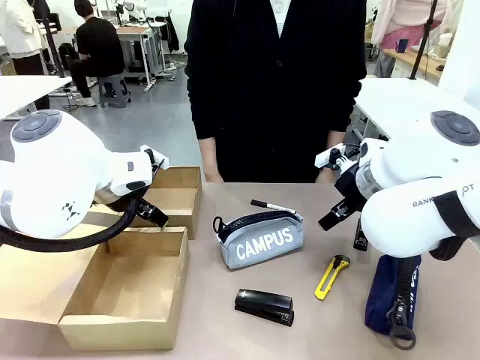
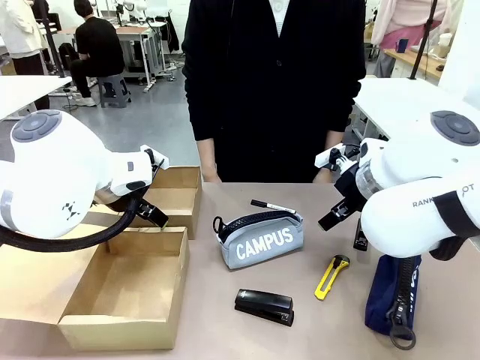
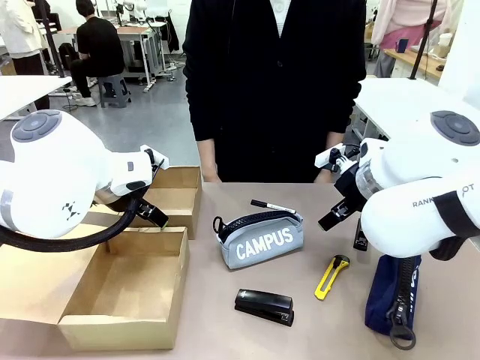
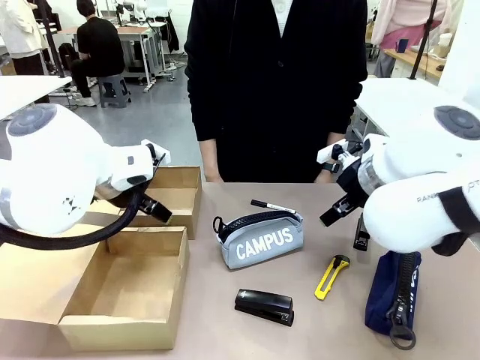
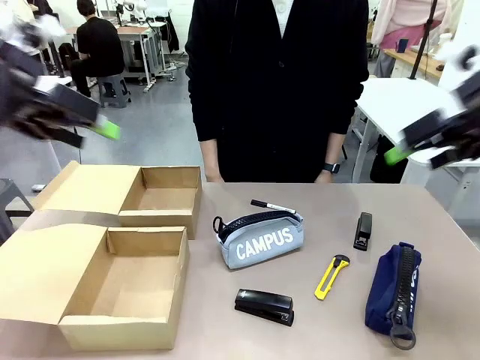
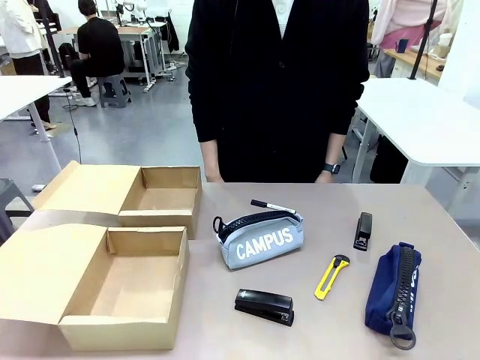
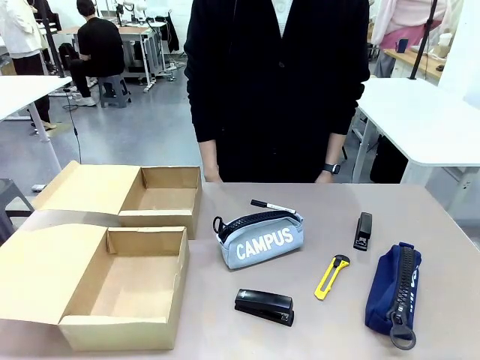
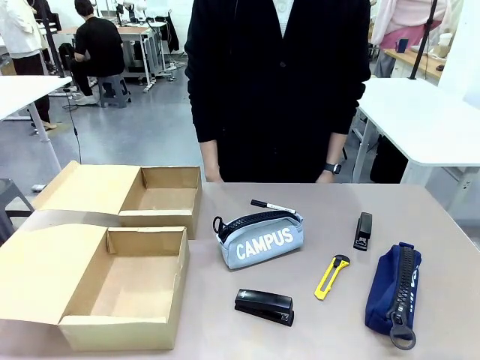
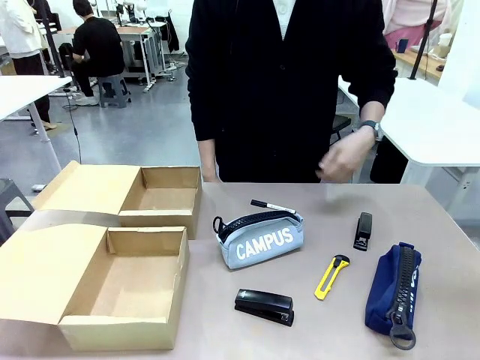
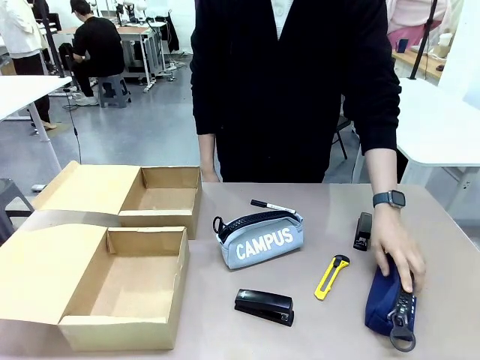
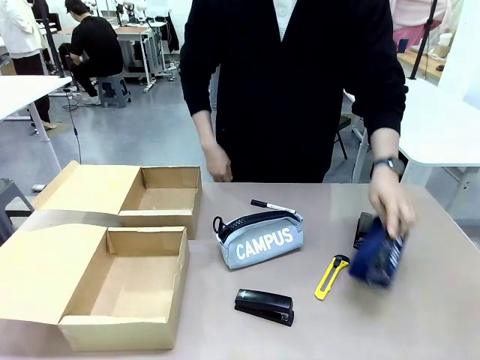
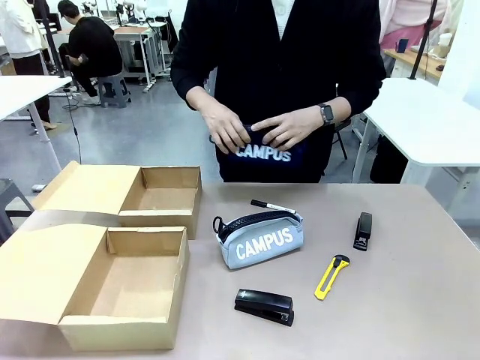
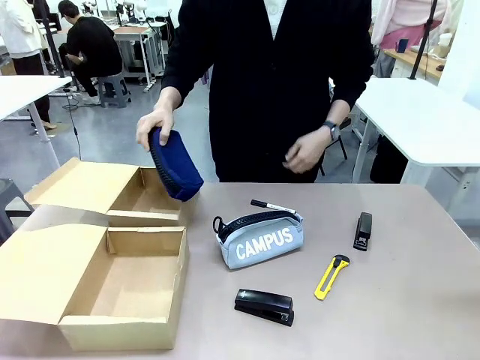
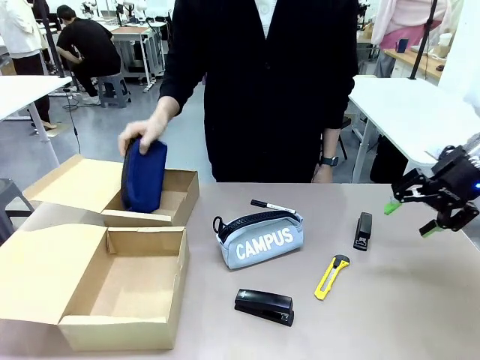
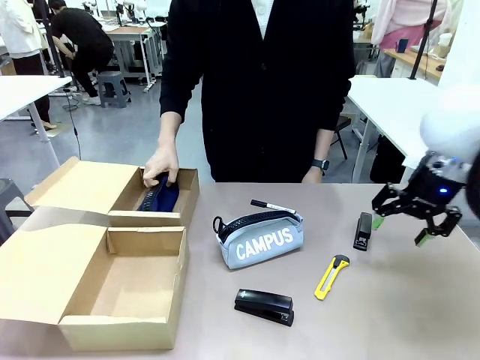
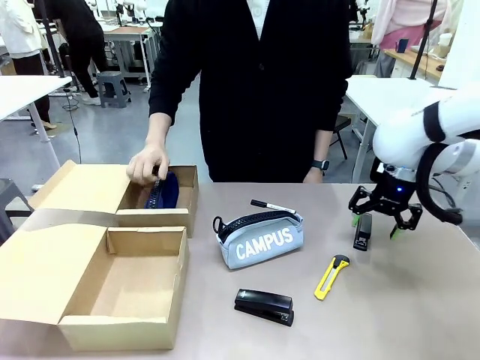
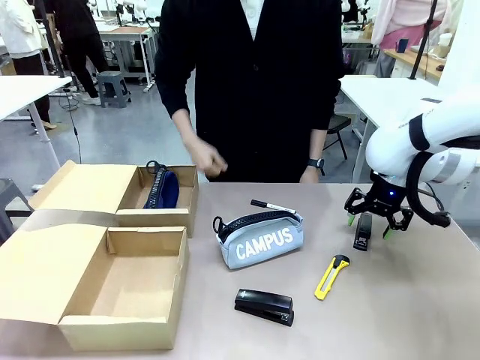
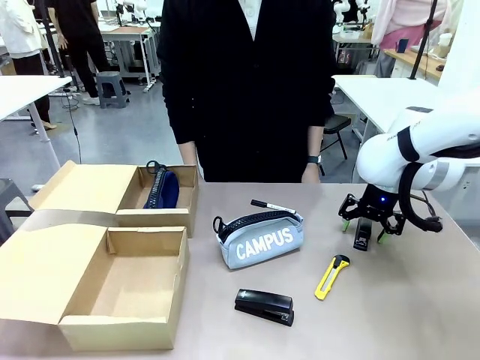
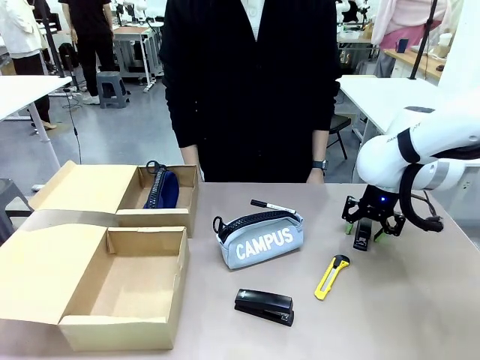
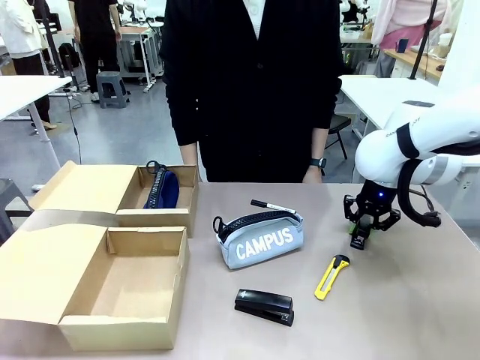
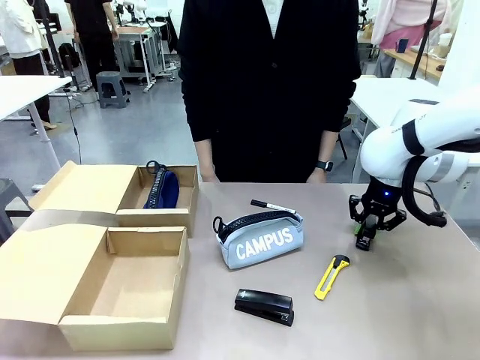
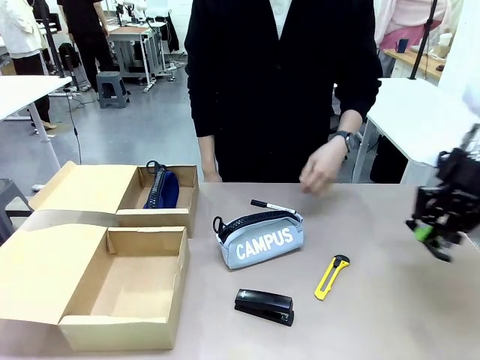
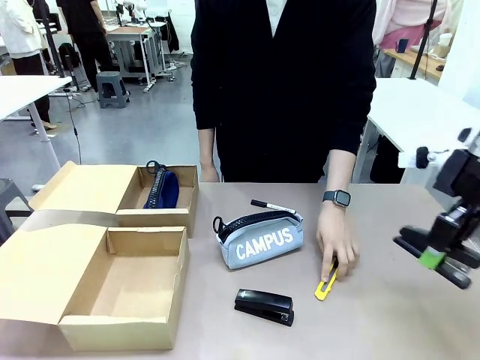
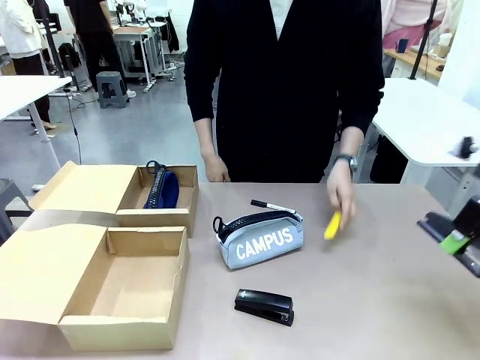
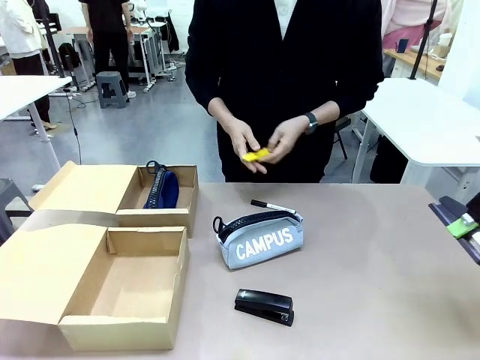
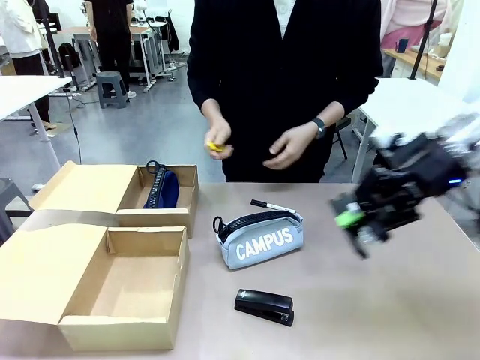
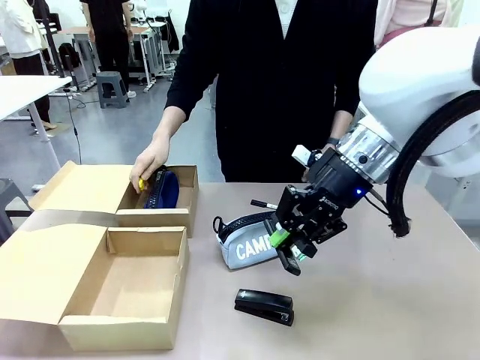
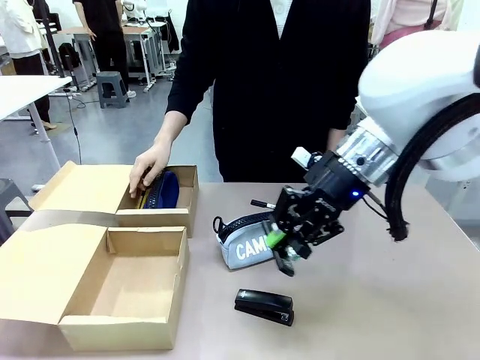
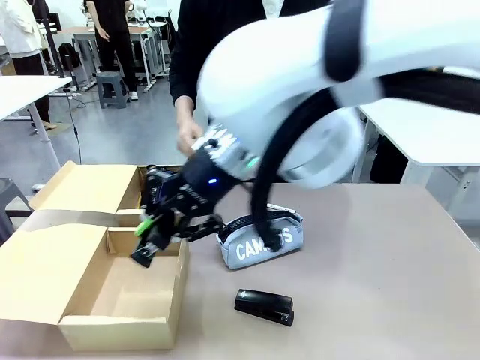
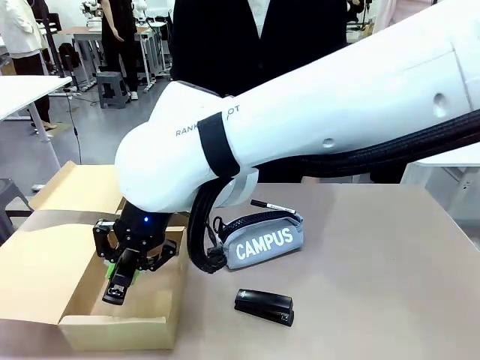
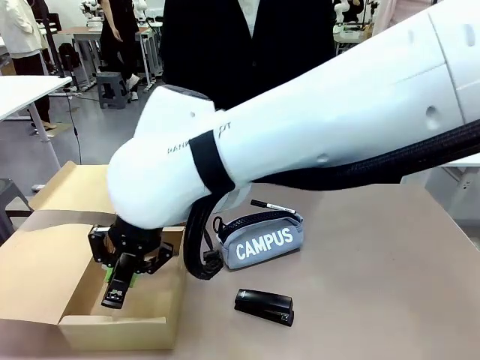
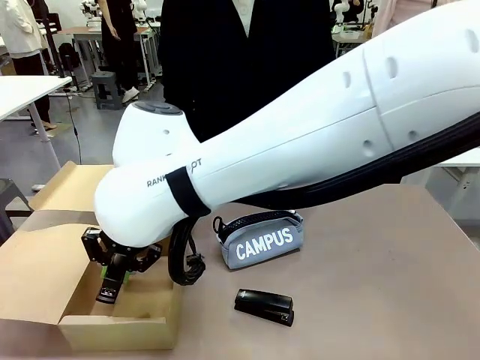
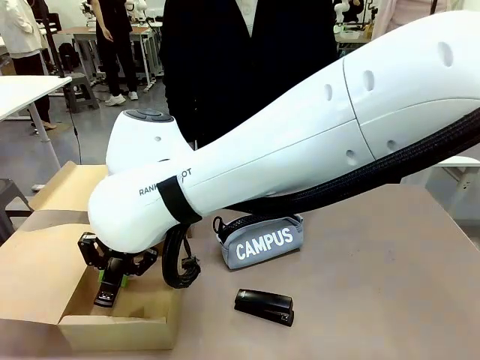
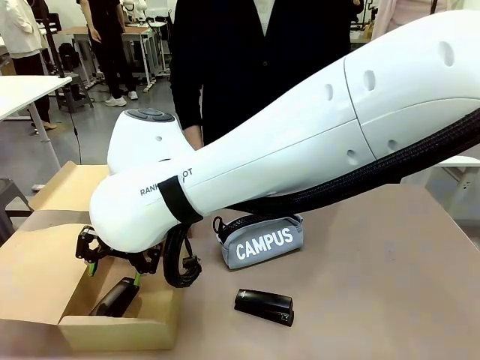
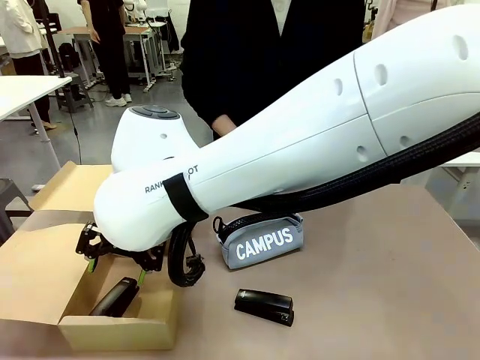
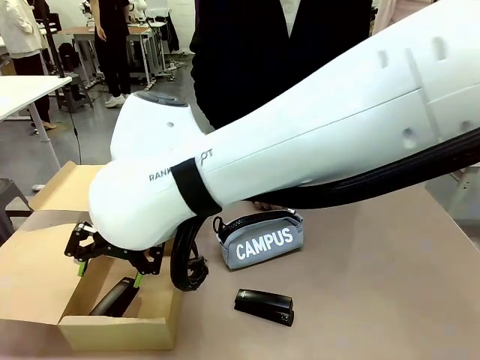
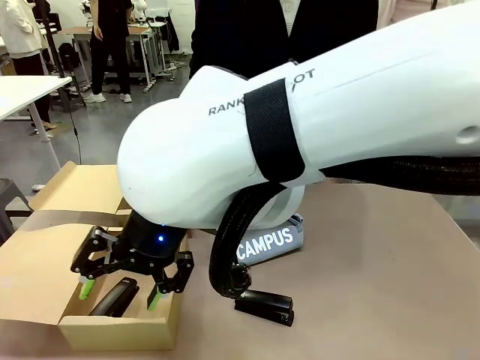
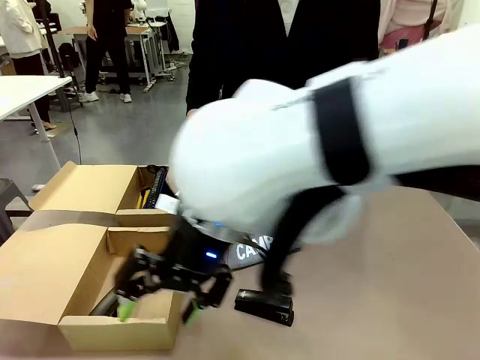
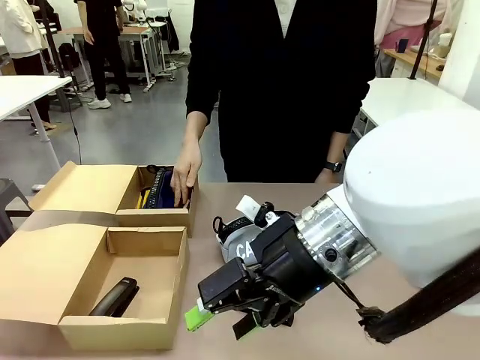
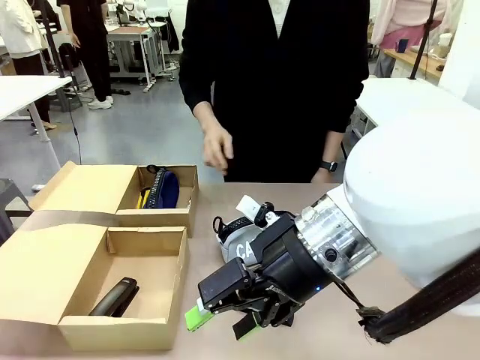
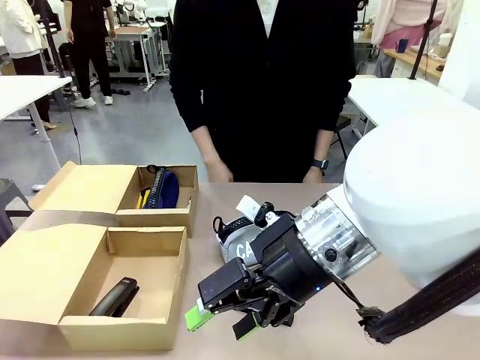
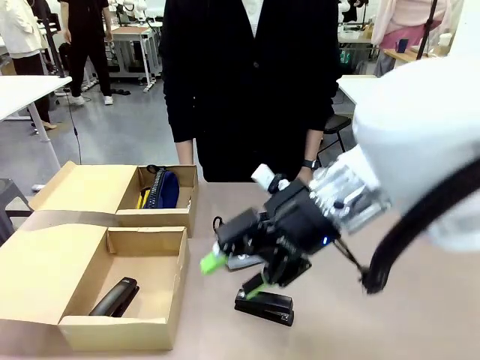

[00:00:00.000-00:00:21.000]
Task: Place items inside the box.
Robot: Pick up a Pencil pouch or Stapler and place it inside the Mailer Box closest to the robot.
Person: Pick up an object on the table and put it in the box.
